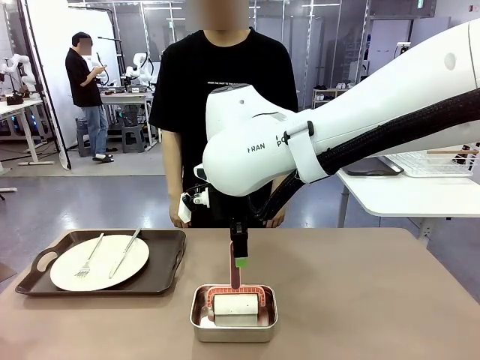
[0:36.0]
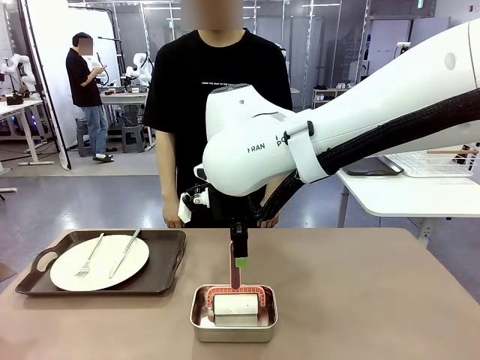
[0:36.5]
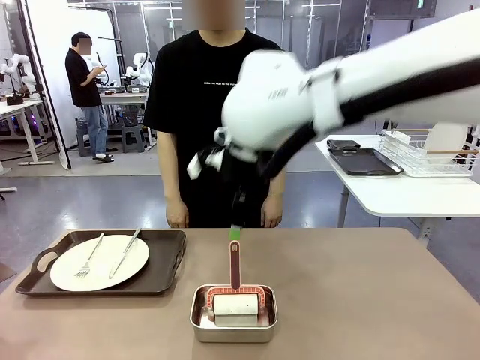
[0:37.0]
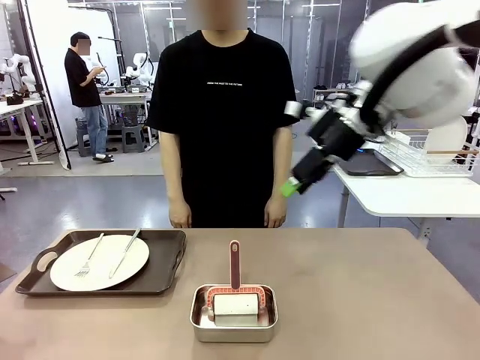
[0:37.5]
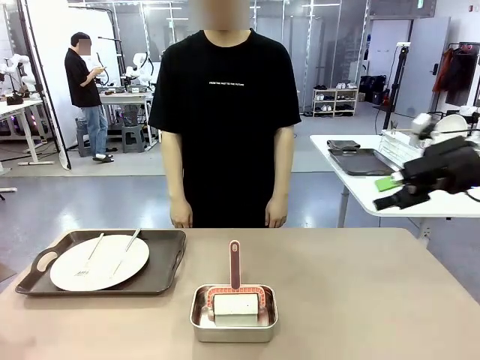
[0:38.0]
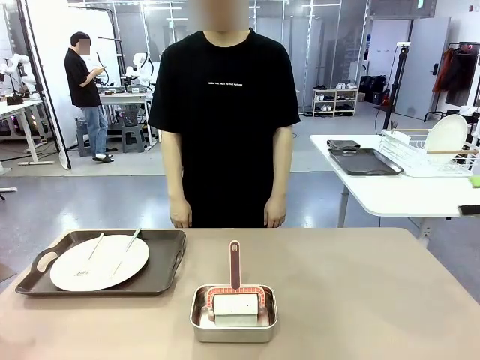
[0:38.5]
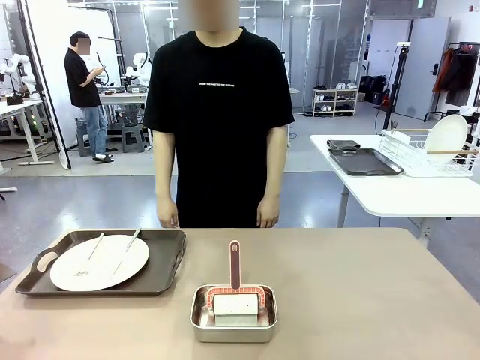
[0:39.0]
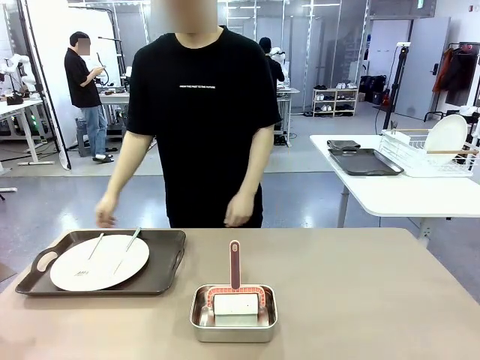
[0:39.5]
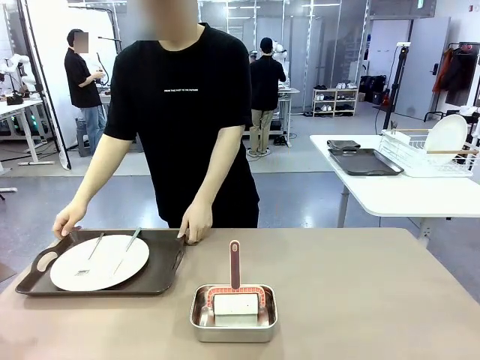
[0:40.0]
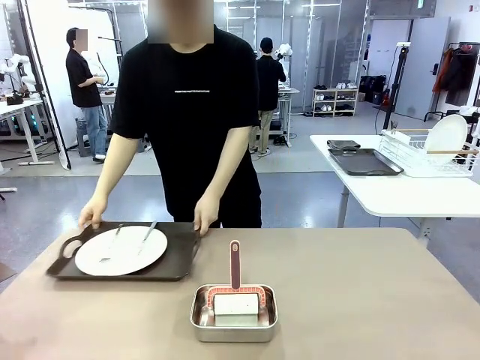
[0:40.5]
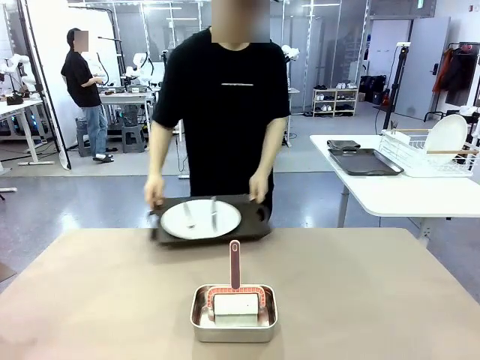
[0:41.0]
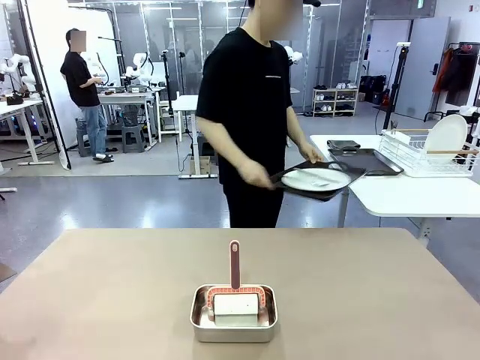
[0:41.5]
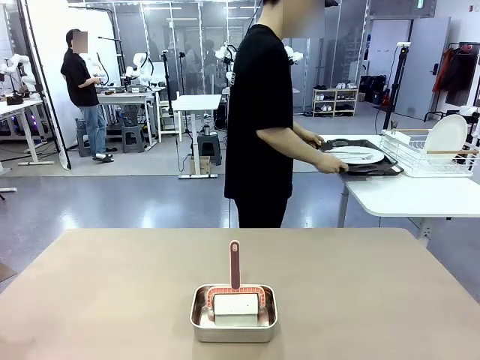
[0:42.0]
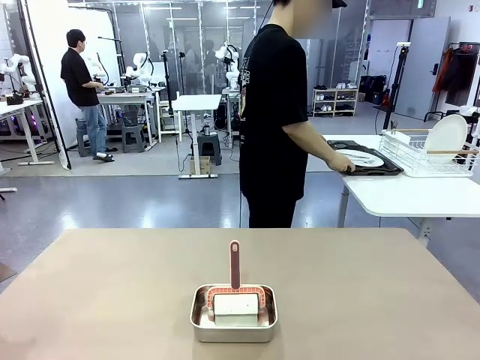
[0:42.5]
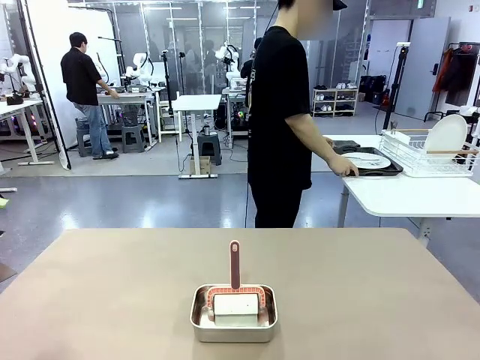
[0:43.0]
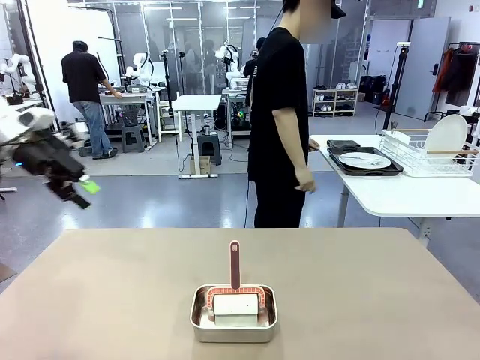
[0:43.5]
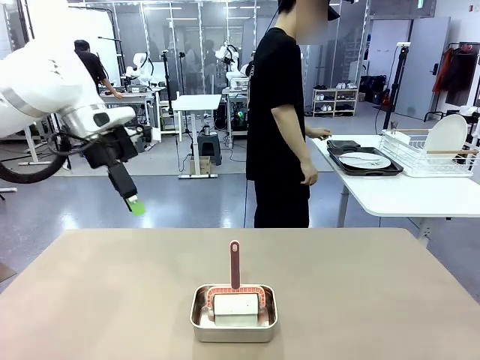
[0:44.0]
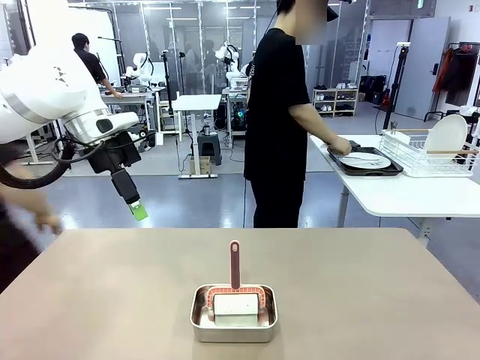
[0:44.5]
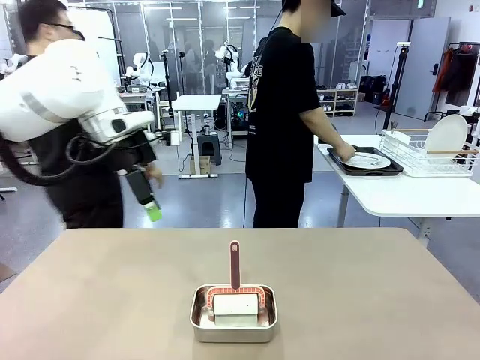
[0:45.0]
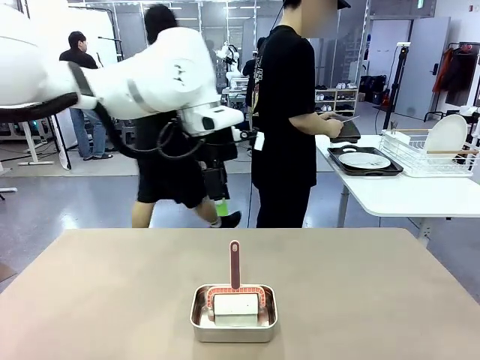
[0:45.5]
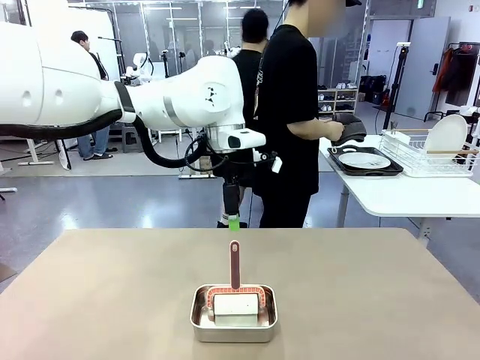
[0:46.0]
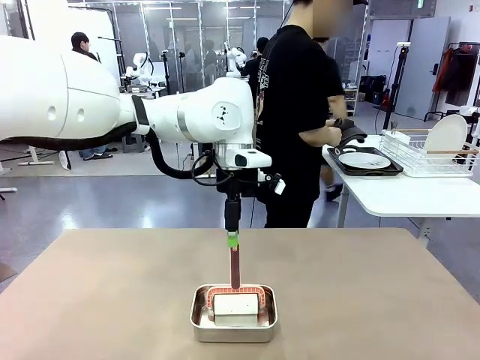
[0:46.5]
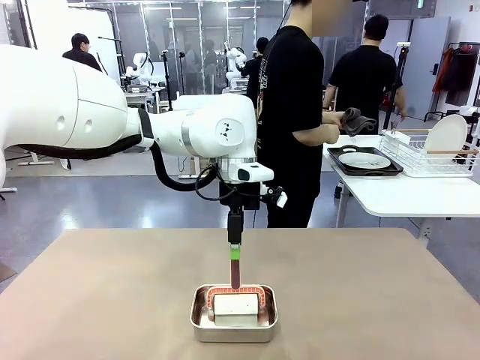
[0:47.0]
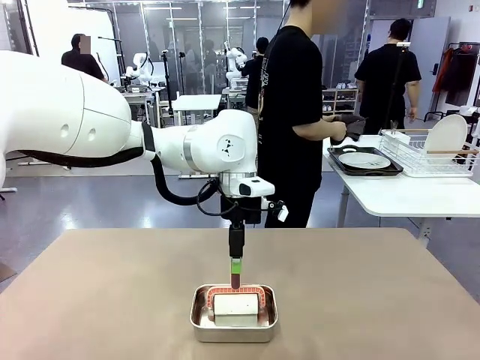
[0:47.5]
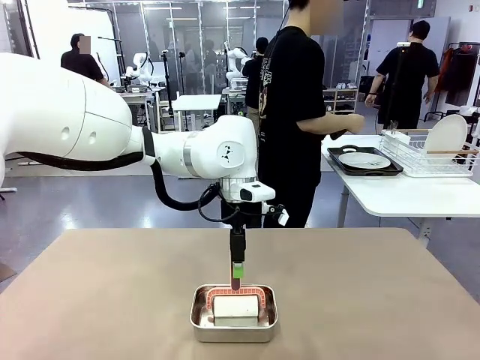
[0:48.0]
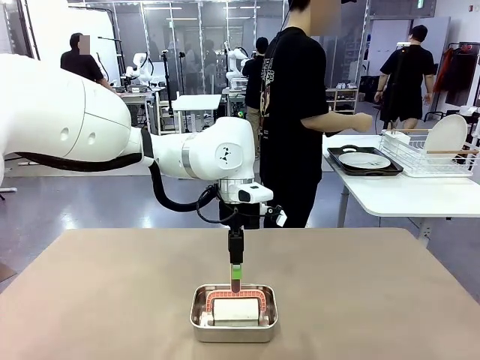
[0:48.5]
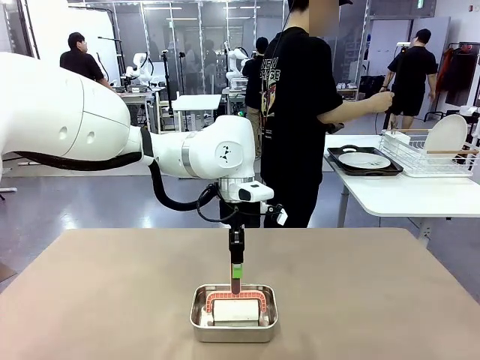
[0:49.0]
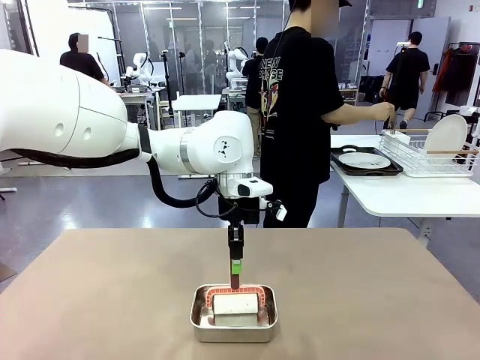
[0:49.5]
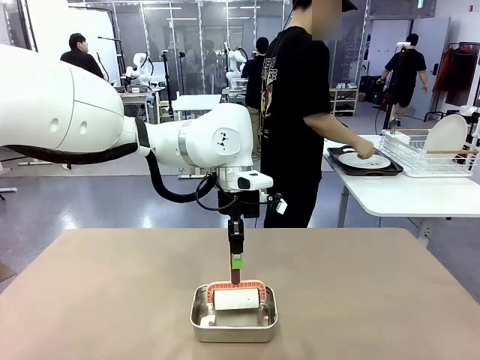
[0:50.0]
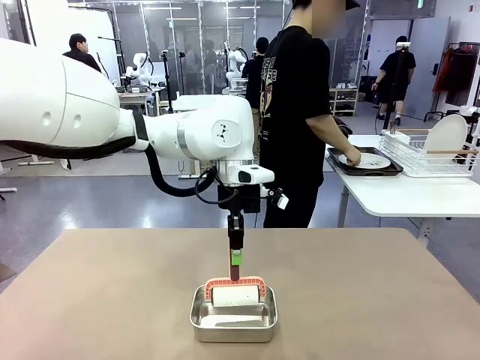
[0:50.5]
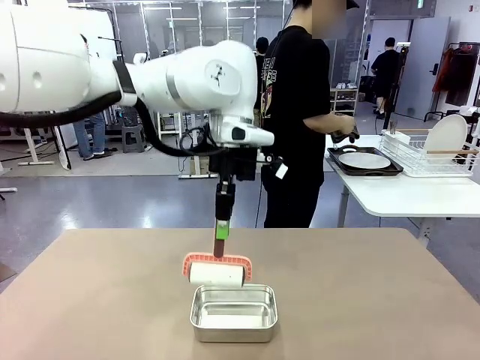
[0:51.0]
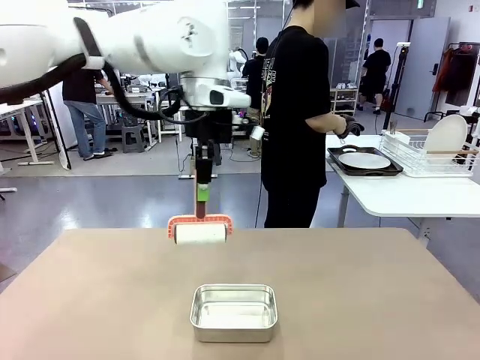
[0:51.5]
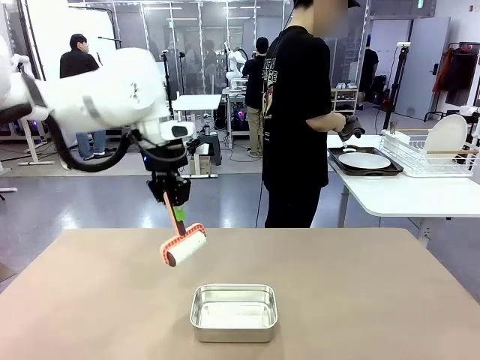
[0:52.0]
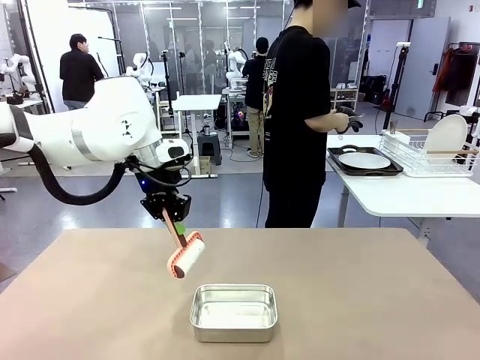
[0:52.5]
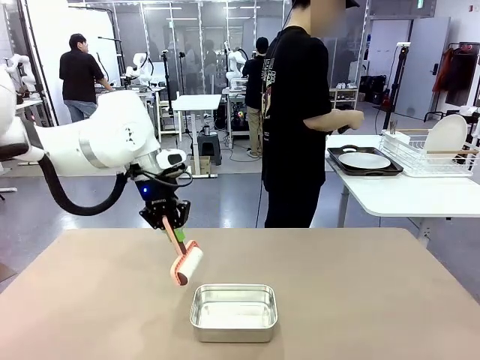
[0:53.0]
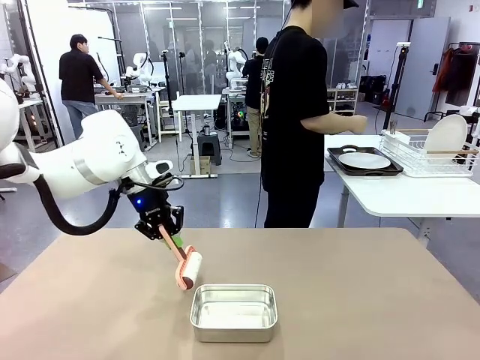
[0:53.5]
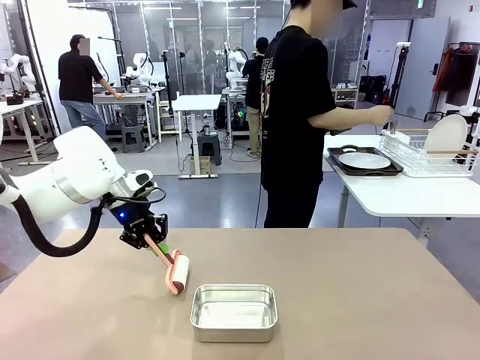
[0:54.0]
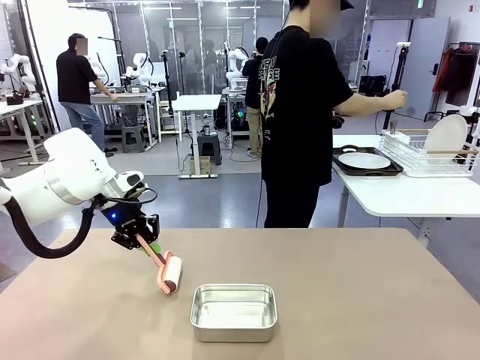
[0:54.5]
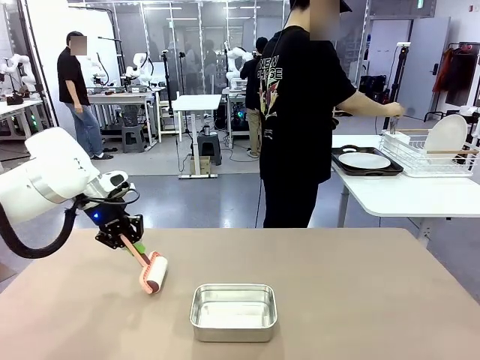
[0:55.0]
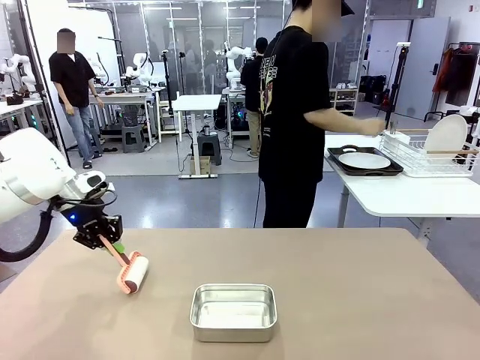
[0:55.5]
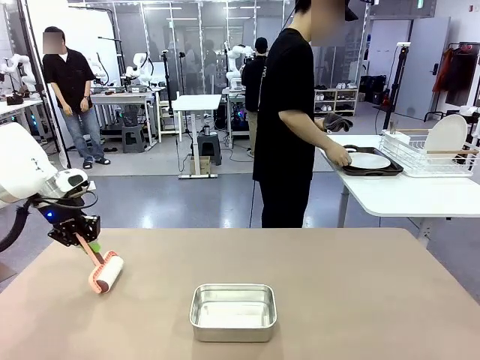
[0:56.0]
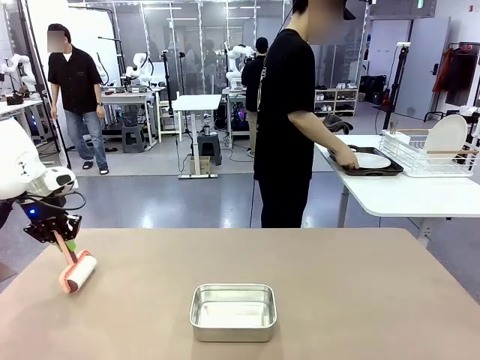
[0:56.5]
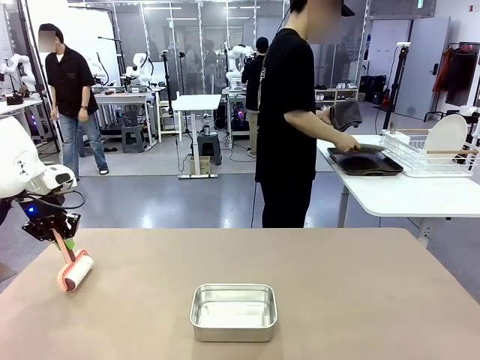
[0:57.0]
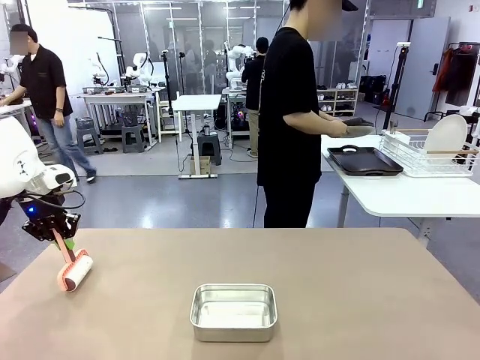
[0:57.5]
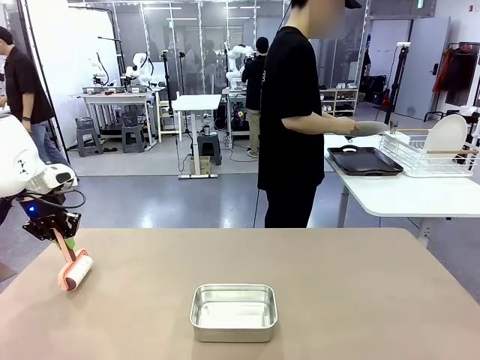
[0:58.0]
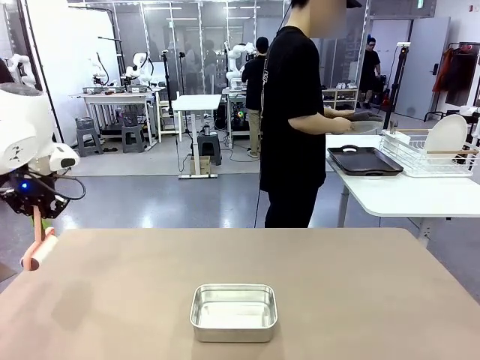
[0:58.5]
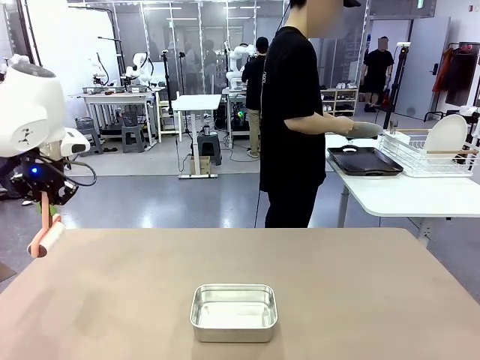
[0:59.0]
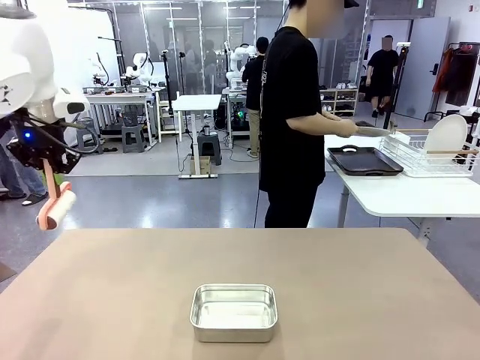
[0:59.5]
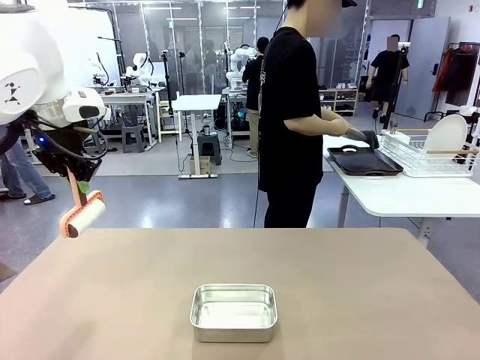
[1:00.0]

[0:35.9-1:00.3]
Robot: When the right (or left) Handle tray is removed, use the right hand (or left hand) to clean the right (or left) side of the table with the Lint Roller.
Person: Pick up the left (or right) Handle tray and place it on the Handle tray. Use the Towel with hook to wipe the Plastic Matte Plate , Fork , and Knife and place into the Dish drying rack.
